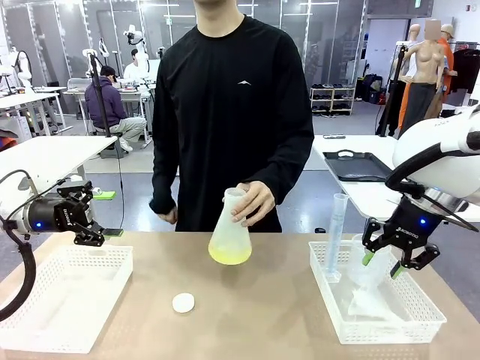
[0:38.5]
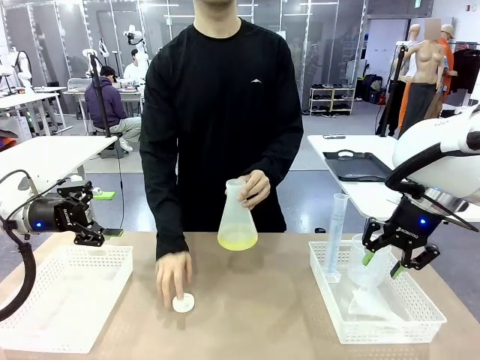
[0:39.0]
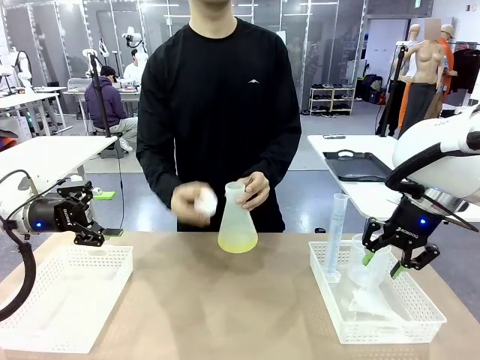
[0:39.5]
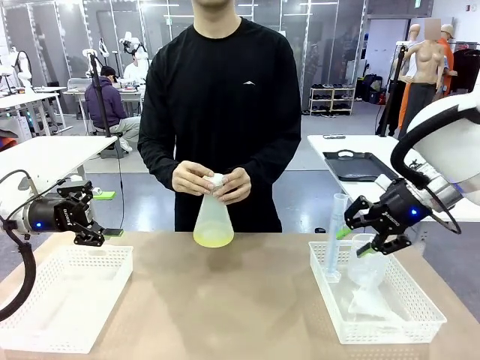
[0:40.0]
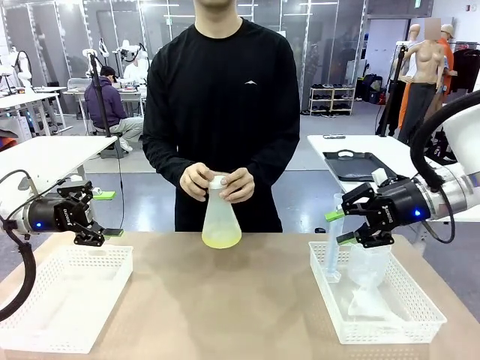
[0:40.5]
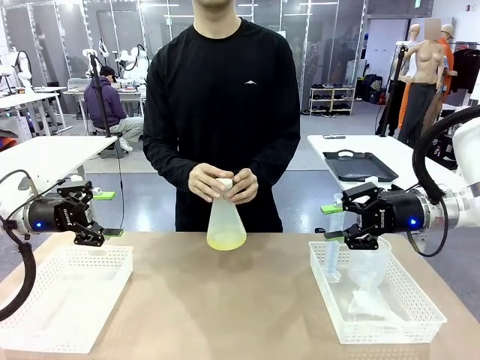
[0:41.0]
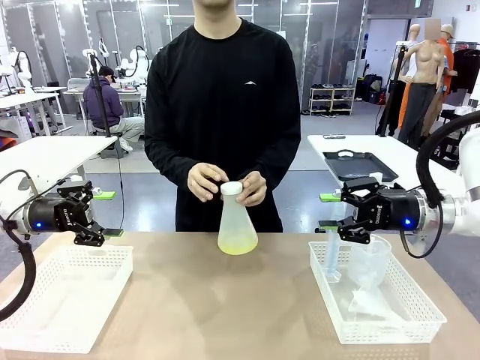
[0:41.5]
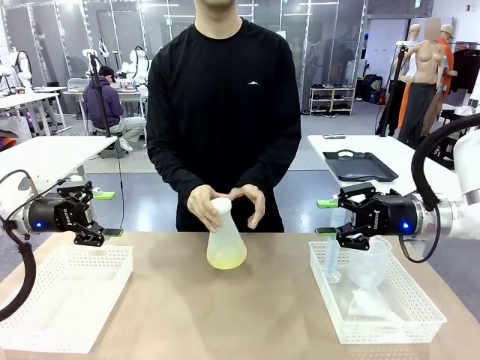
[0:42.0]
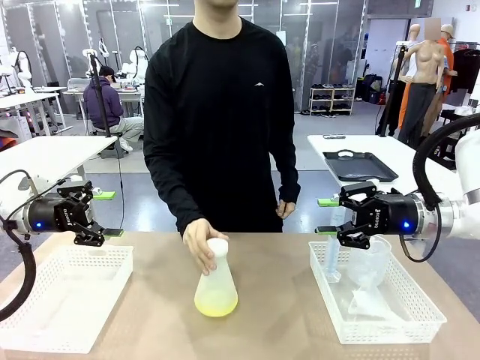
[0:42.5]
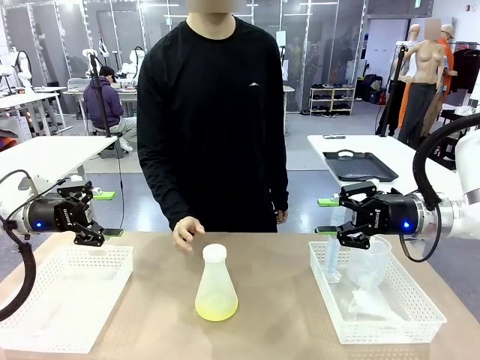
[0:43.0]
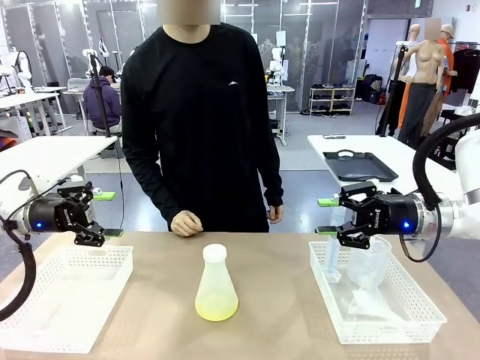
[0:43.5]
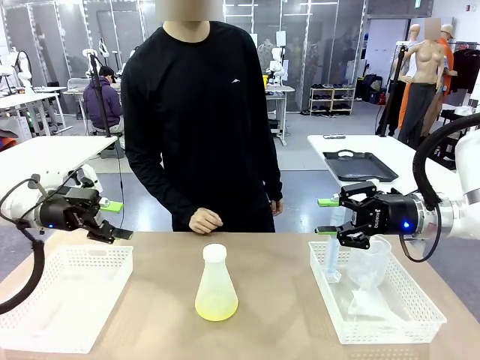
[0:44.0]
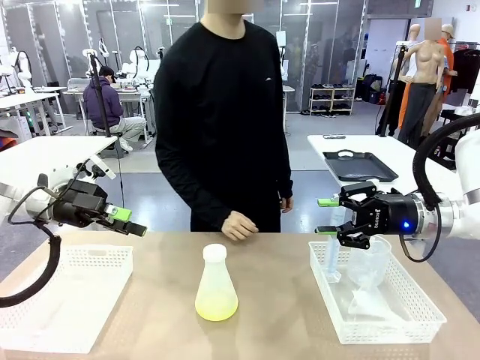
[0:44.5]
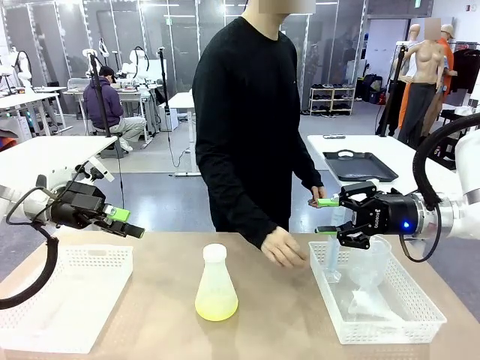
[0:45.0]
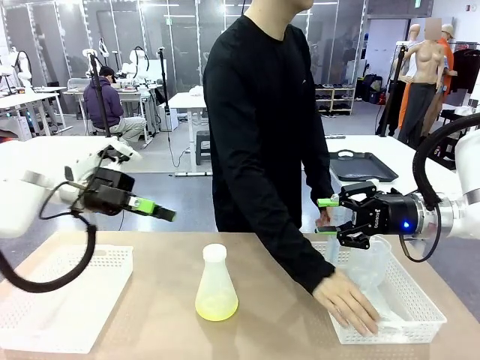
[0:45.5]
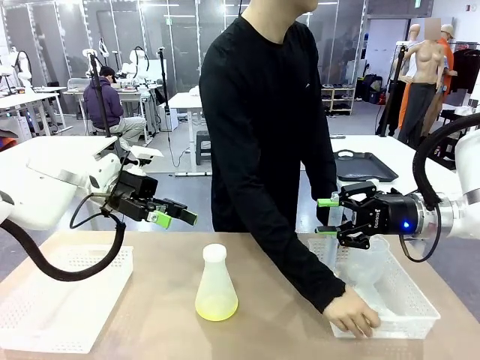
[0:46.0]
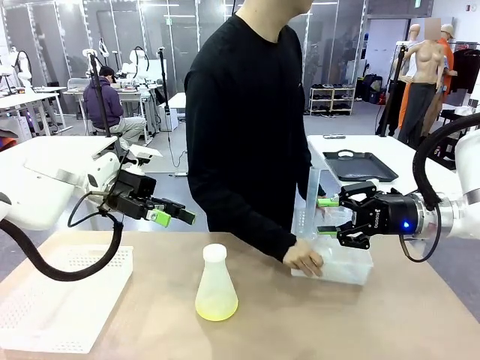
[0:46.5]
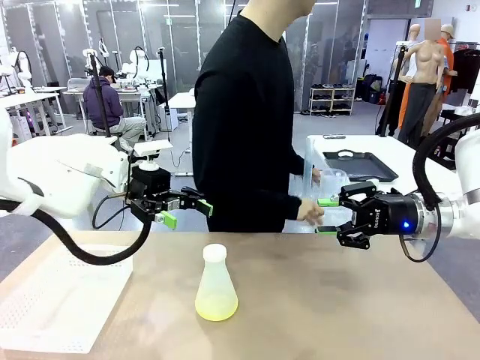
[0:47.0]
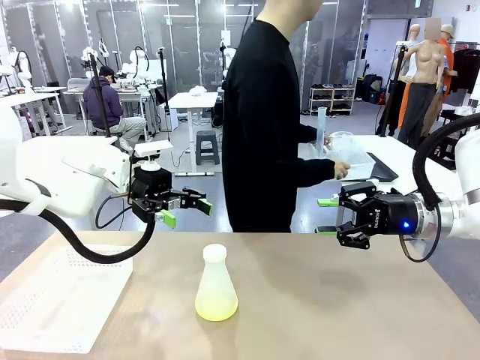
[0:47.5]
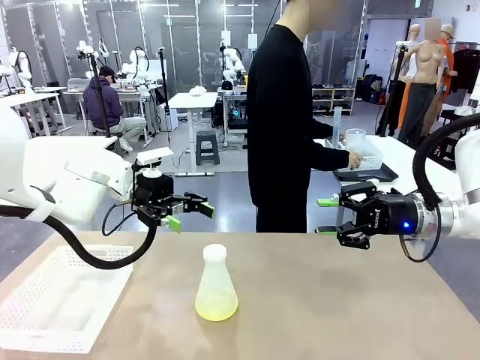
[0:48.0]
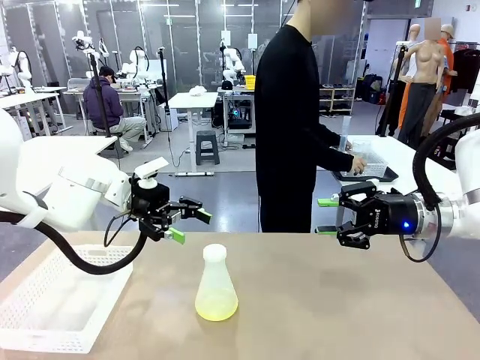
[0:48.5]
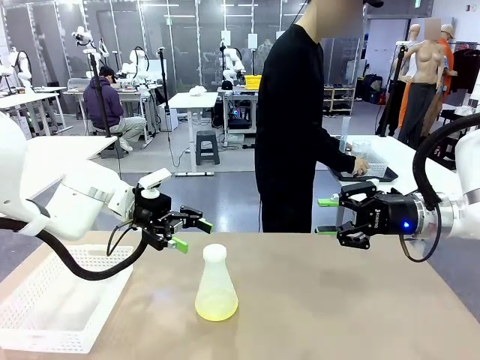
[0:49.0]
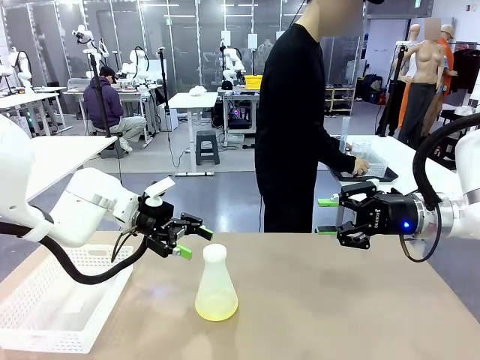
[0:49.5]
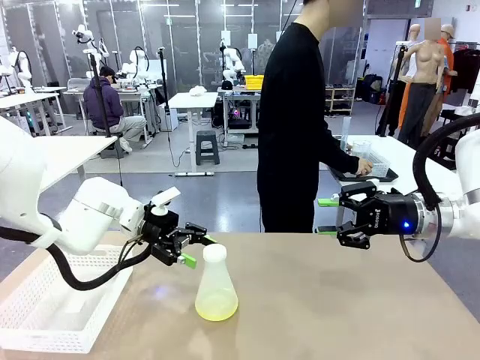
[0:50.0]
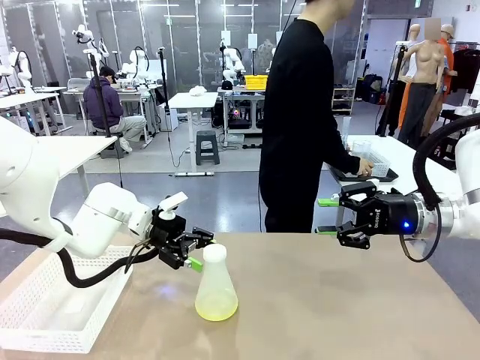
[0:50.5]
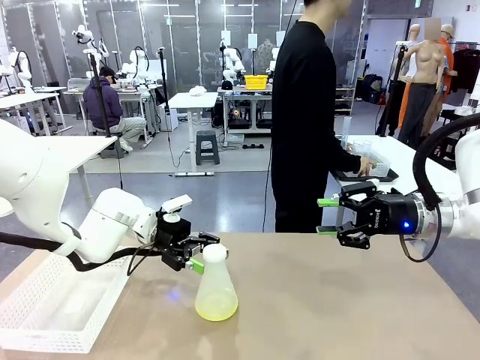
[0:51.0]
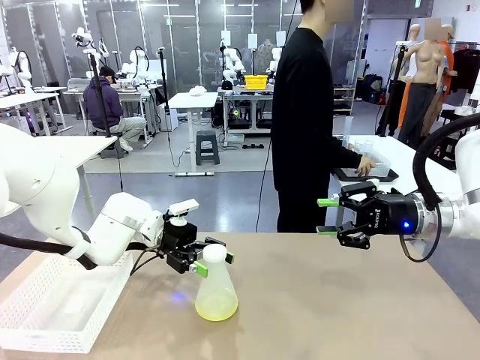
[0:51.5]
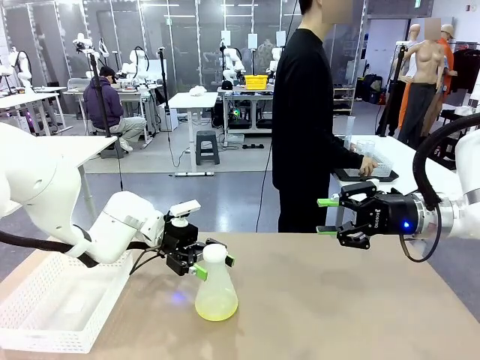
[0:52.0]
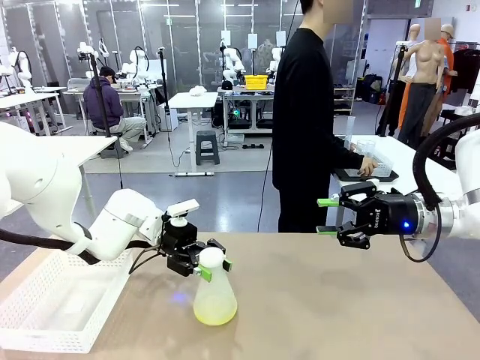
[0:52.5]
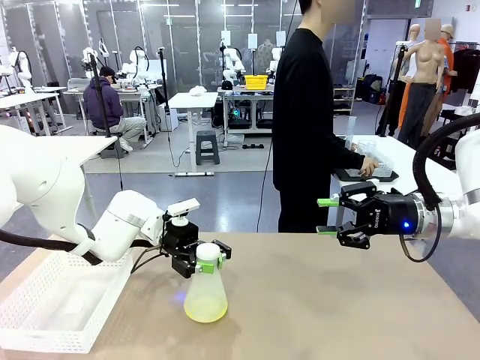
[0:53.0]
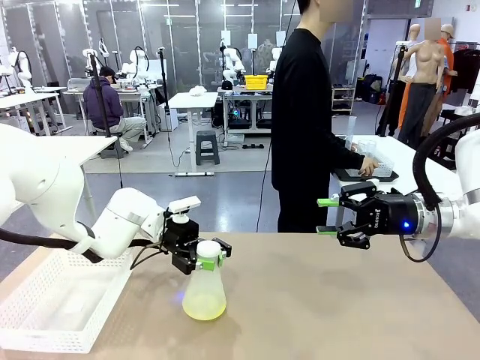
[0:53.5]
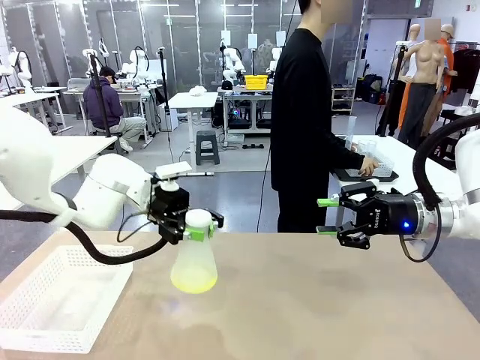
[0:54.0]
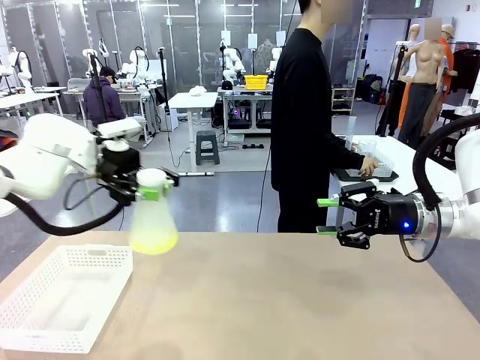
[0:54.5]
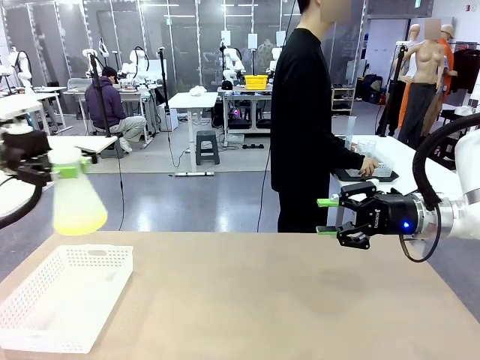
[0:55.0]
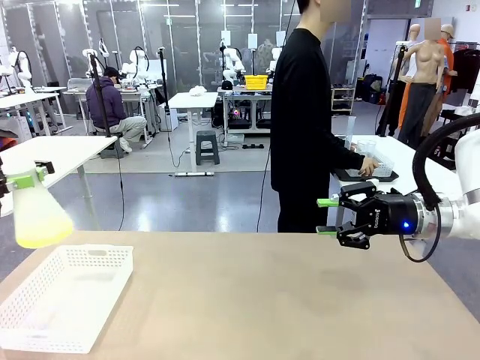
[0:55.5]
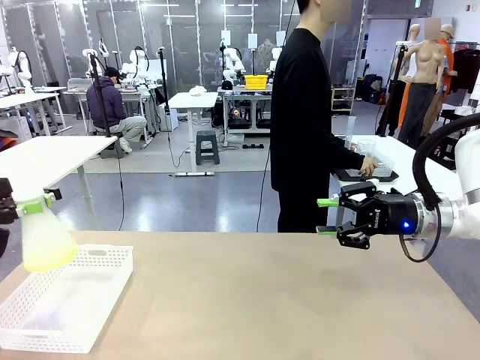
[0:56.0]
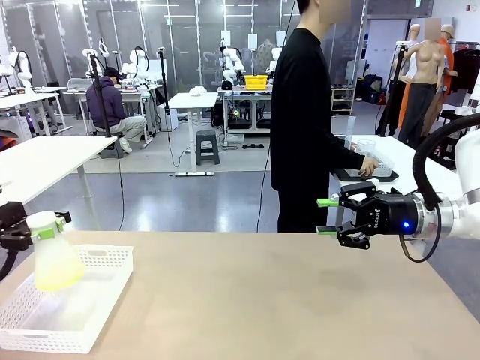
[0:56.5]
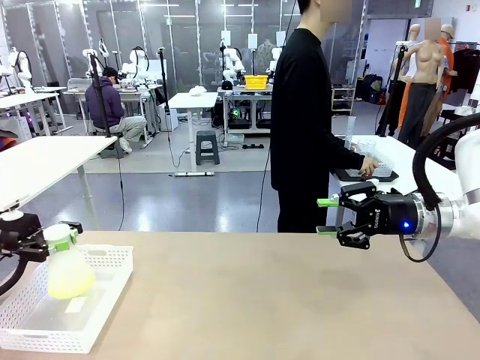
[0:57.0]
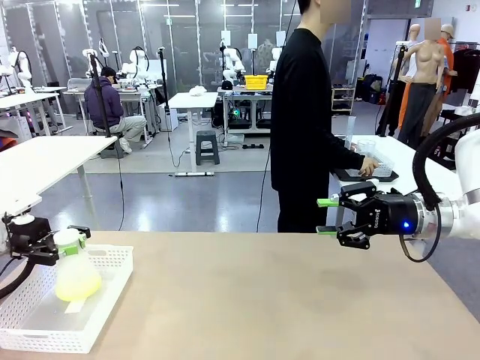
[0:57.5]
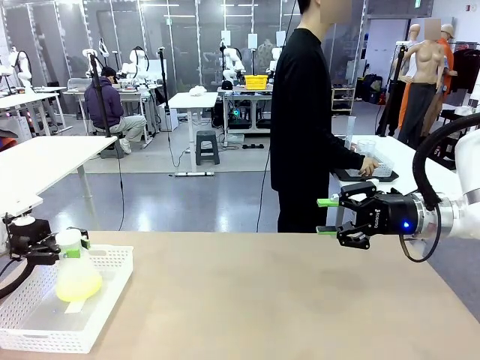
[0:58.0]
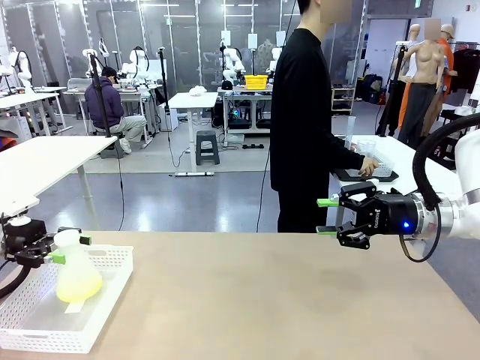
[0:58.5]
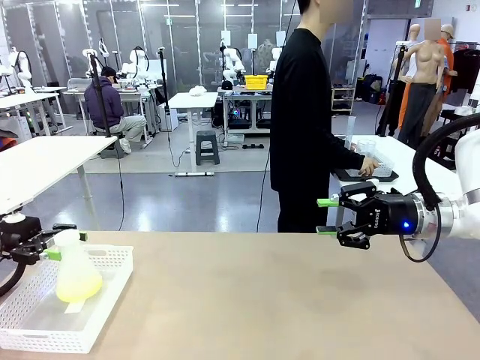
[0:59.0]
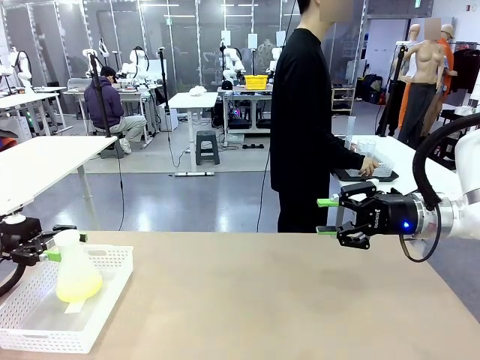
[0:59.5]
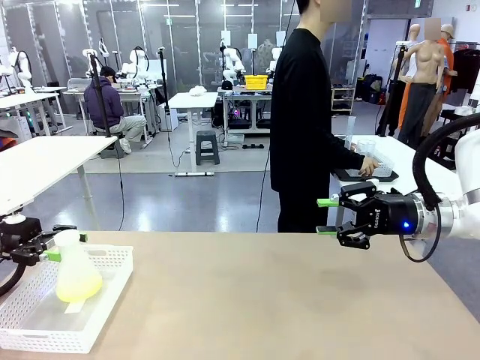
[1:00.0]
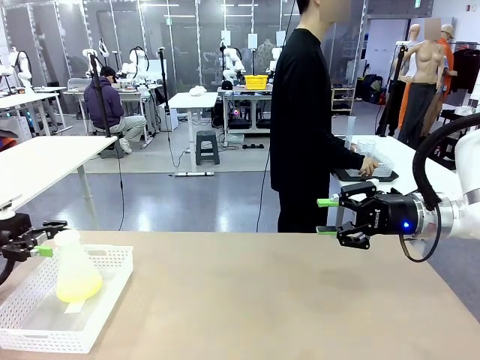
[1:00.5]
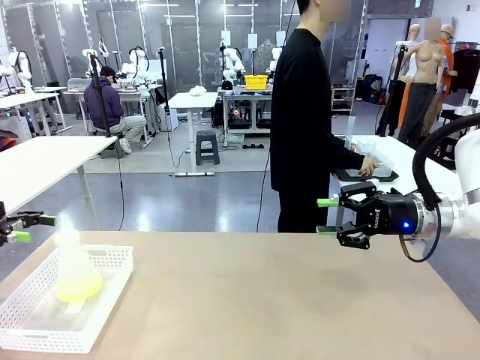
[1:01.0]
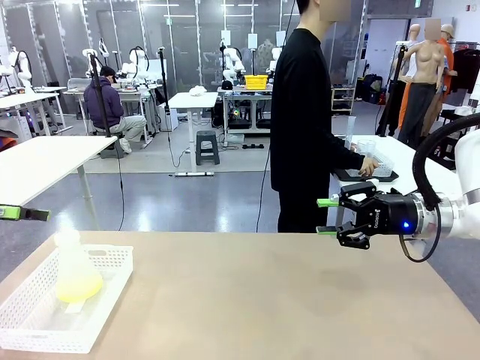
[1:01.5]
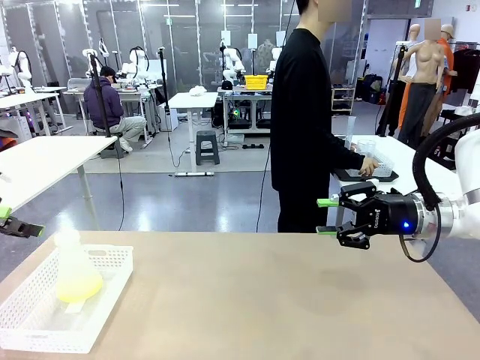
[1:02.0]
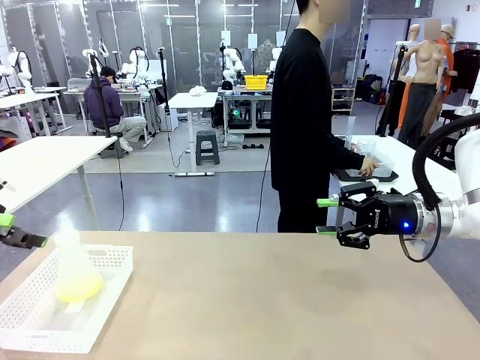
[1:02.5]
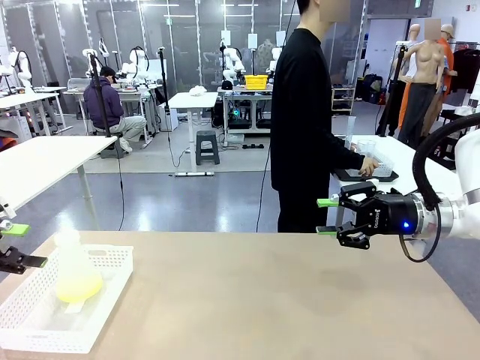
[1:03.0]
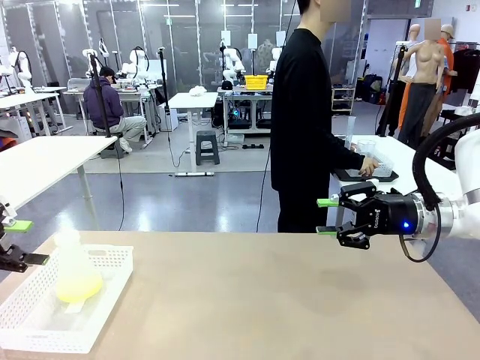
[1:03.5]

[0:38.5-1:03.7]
Task: Prepare the solutions needed for the experiment.
Robot: When the human places the Big flask in the center of the table, pick up the Big flask and place it in the left Organizing basket.
Person: Pick up the organizing basket on the left side of the robot table and place it on the left side of the human table.

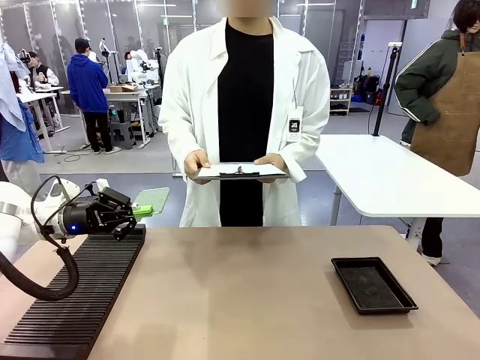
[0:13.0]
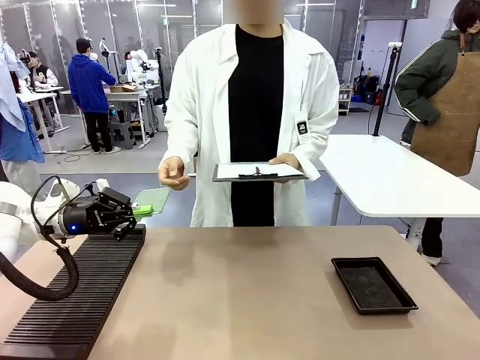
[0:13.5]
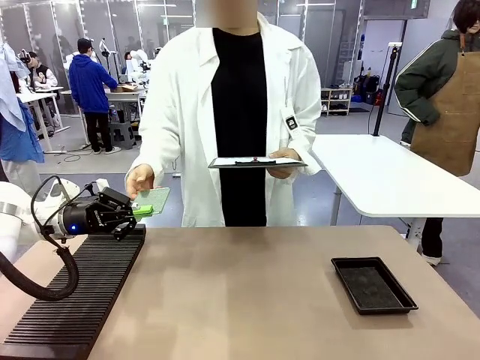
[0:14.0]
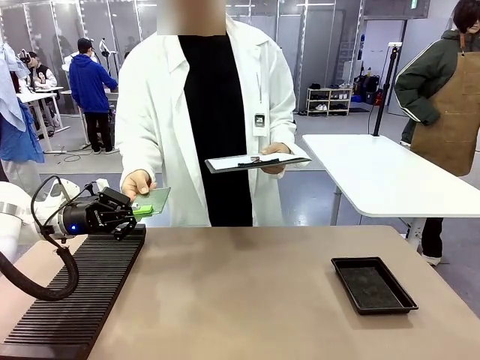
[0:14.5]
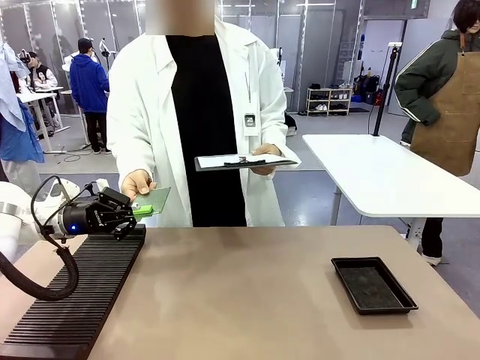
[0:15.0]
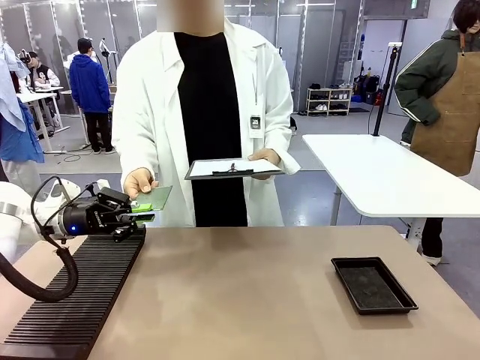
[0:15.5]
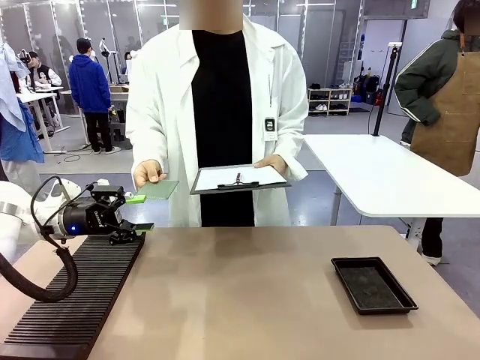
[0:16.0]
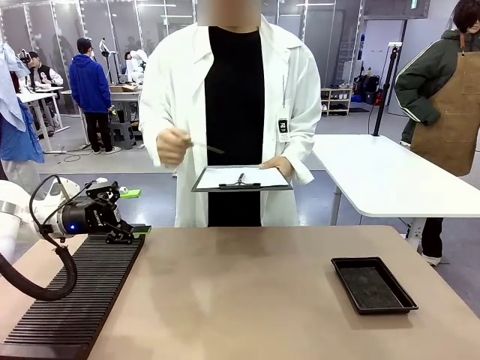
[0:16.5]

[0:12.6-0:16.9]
Task: Inspect the PCB.
Robot: Release the Blank PCB you were holding.
